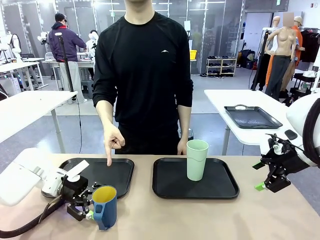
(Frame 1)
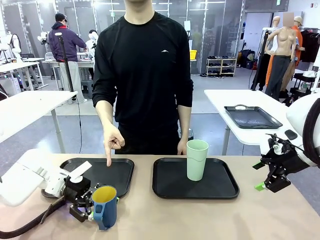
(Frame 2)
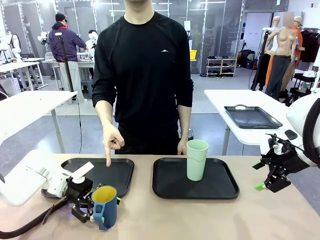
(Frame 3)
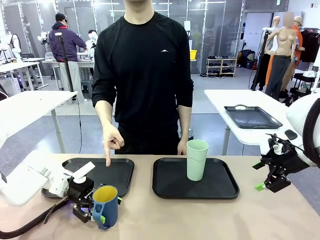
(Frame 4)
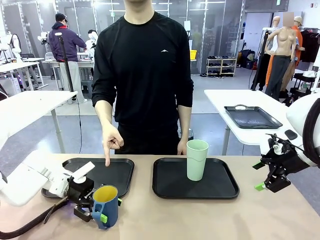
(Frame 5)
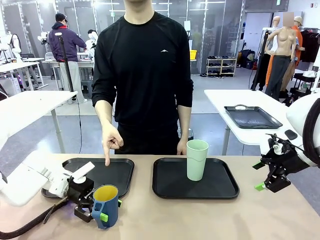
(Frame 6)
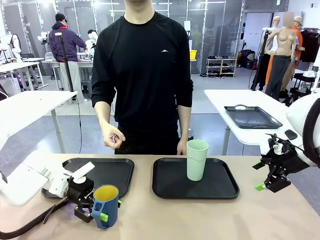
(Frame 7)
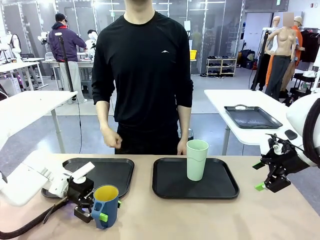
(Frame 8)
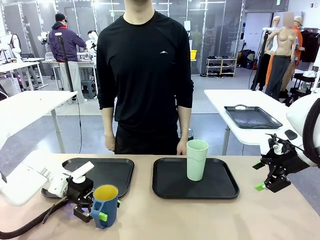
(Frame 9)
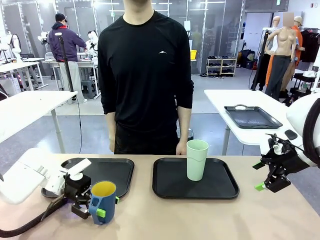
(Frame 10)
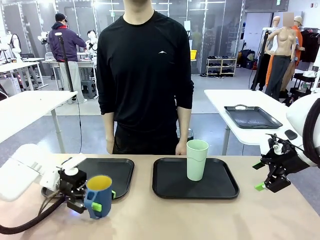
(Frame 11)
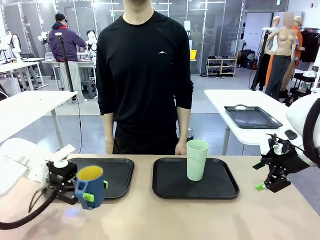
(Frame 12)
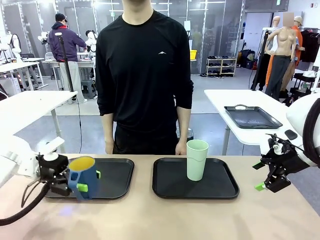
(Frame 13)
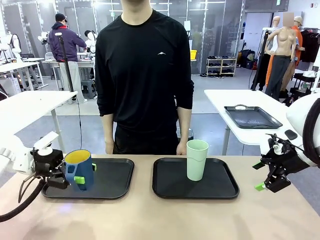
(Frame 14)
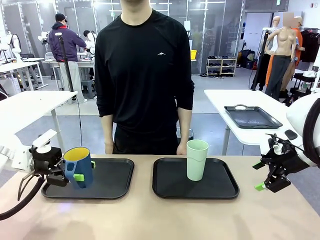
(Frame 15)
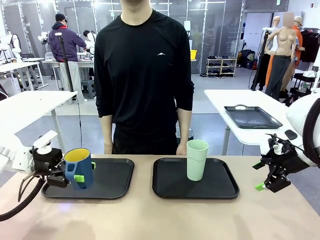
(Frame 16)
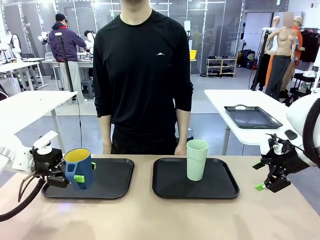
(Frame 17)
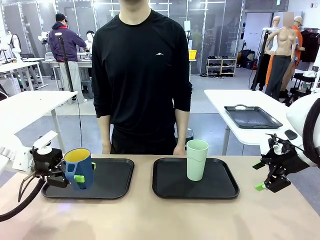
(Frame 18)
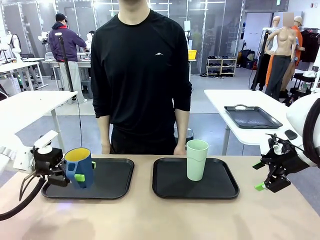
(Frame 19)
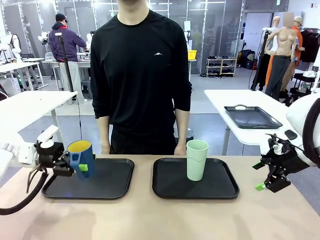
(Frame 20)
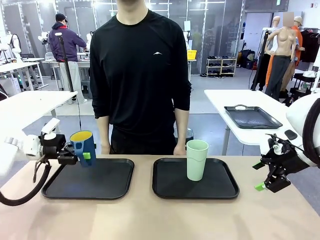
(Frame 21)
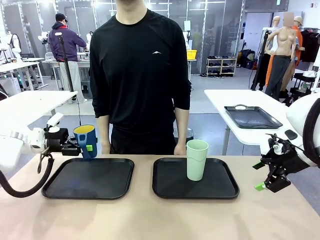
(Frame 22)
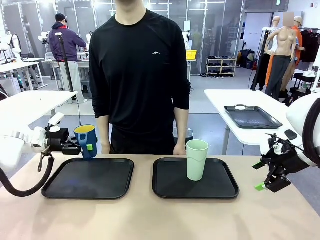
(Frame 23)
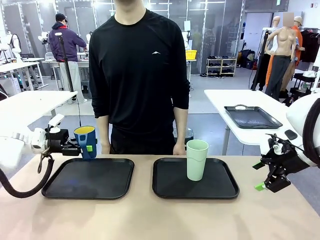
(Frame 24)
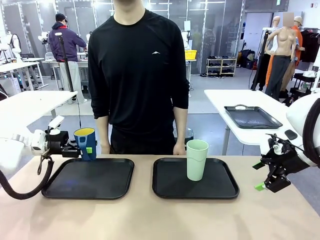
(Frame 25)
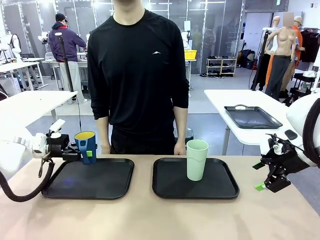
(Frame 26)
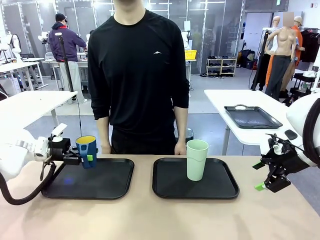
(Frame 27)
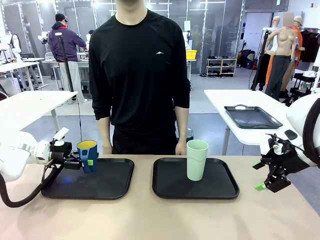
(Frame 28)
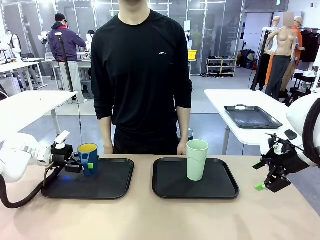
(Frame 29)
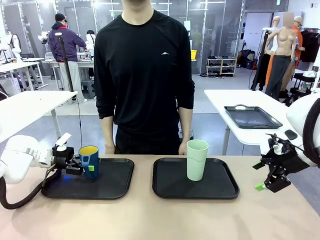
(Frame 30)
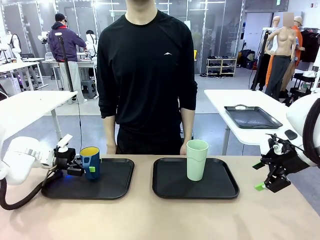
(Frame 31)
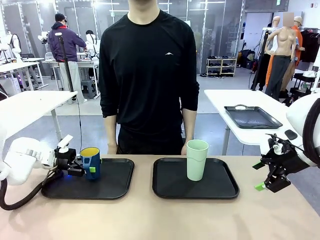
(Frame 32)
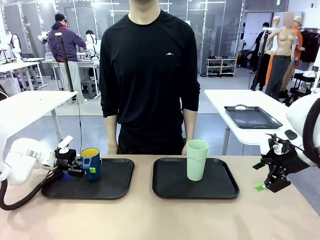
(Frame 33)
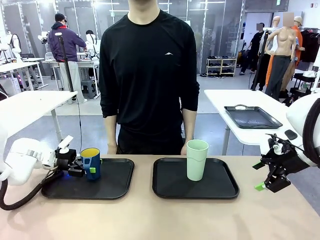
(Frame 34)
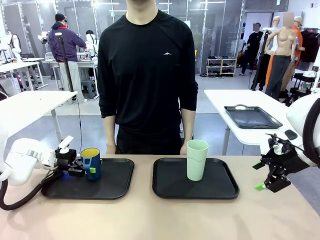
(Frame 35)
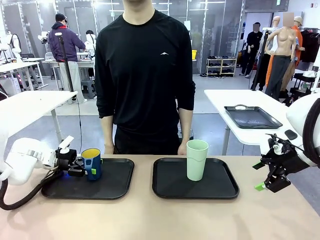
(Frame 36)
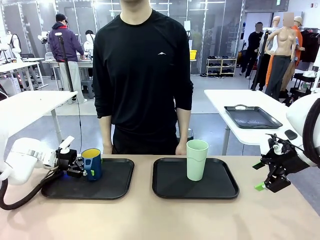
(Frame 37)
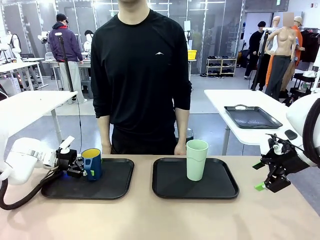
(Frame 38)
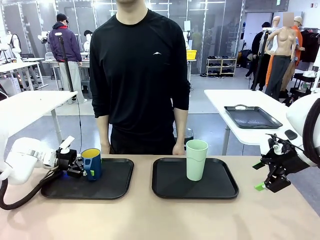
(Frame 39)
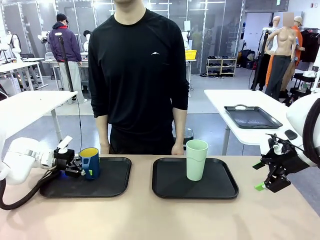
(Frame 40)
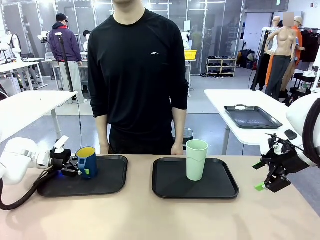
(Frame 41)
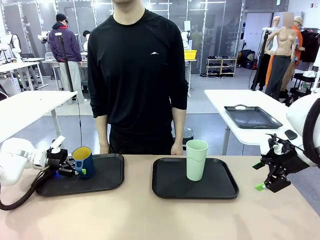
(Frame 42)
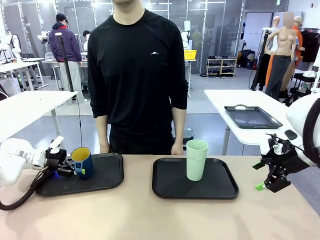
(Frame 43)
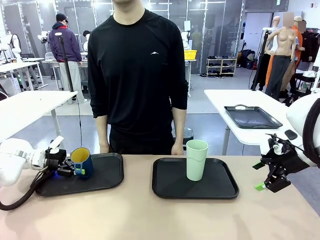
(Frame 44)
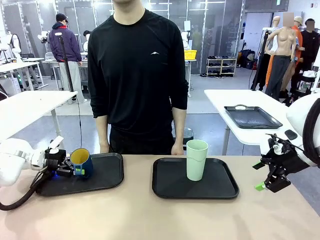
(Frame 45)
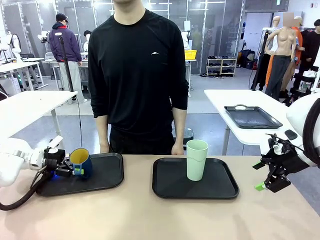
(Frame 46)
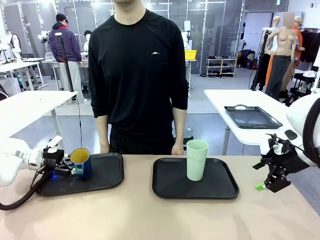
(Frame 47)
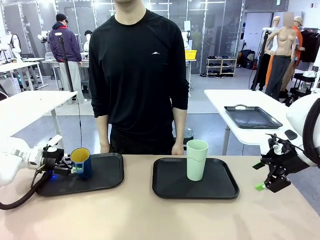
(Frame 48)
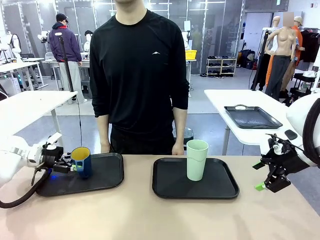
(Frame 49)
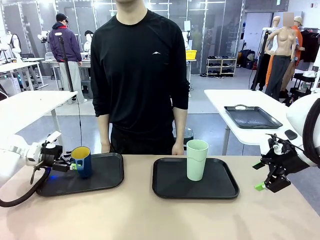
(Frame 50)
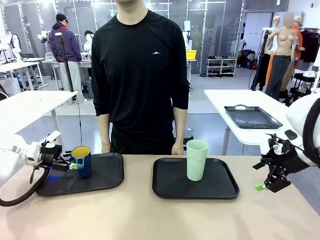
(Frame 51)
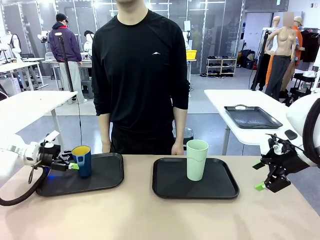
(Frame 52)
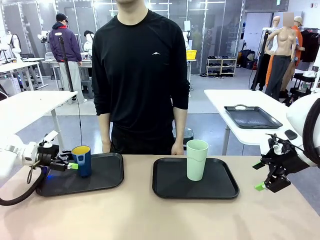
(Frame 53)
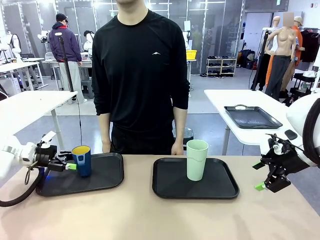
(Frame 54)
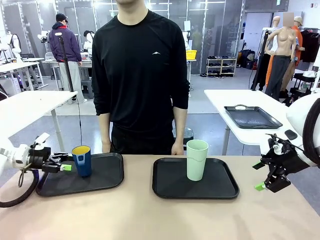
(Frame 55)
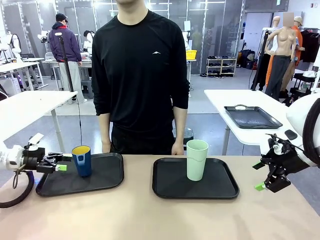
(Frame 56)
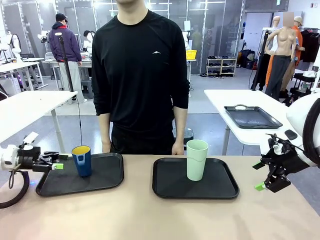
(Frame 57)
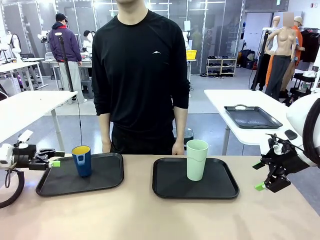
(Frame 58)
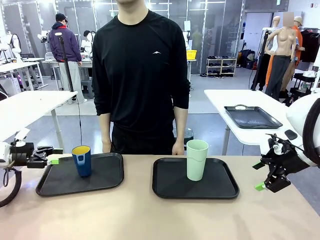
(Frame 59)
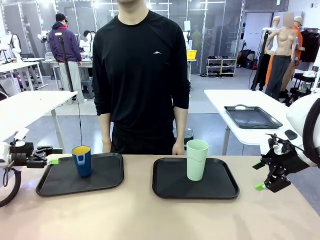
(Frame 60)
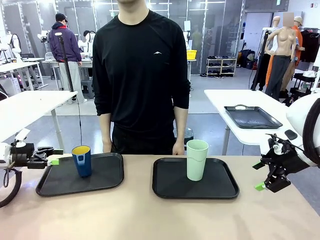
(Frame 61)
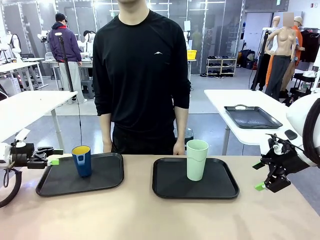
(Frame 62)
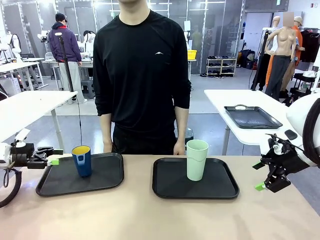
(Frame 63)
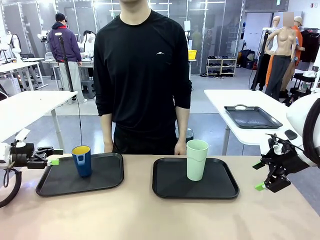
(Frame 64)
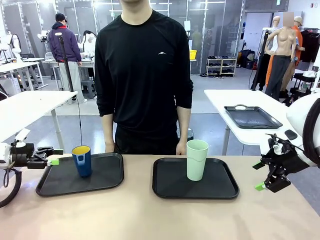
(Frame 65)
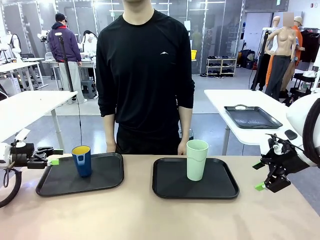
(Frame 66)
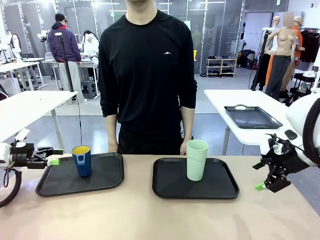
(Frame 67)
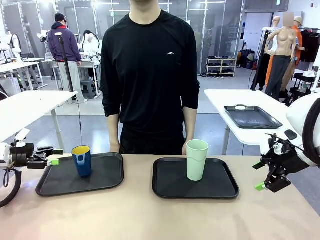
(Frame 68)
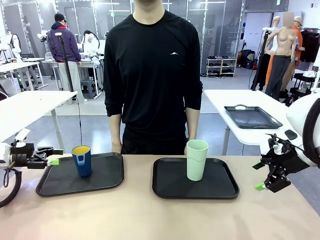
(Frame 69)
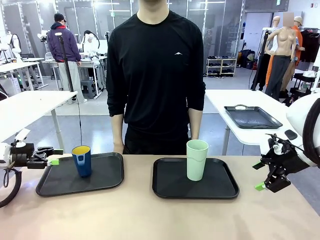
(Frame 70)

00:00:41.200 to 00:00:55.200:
Task: Sort and store the cups by type.
Robot: Pick up the Handle plastic cup and place it into the empty Flat Tray.
